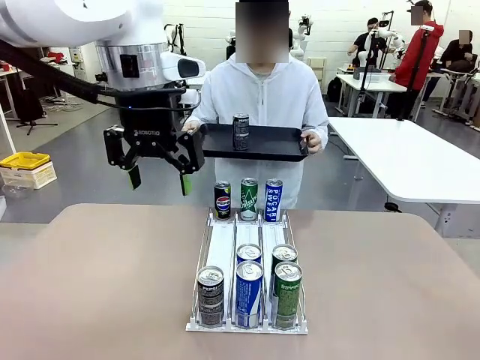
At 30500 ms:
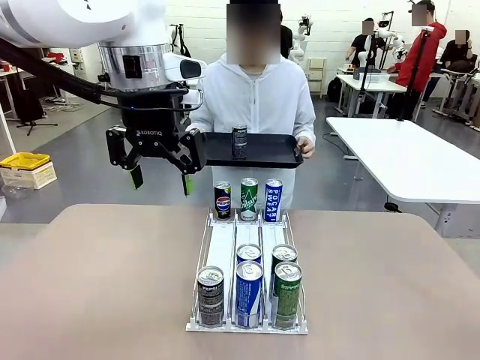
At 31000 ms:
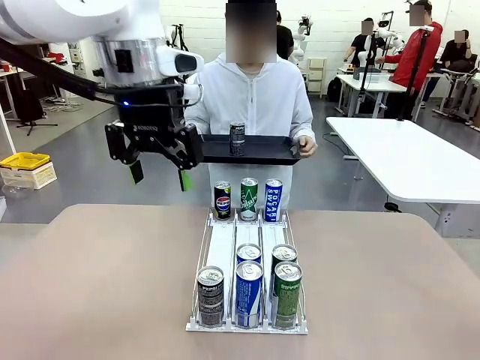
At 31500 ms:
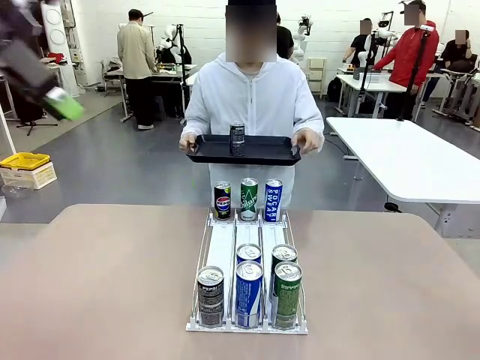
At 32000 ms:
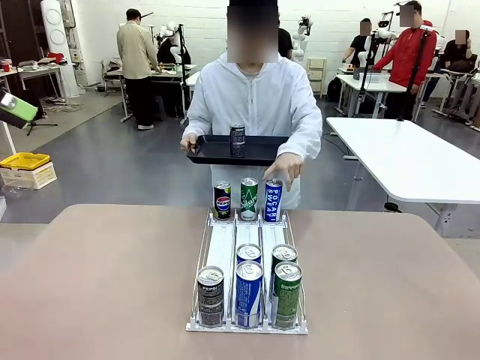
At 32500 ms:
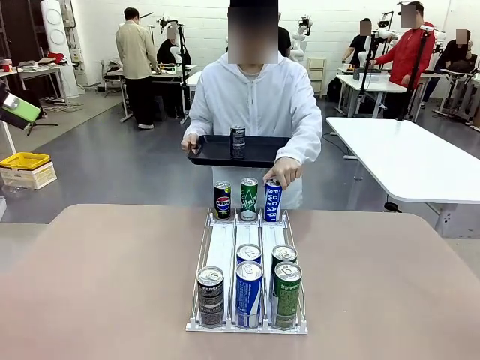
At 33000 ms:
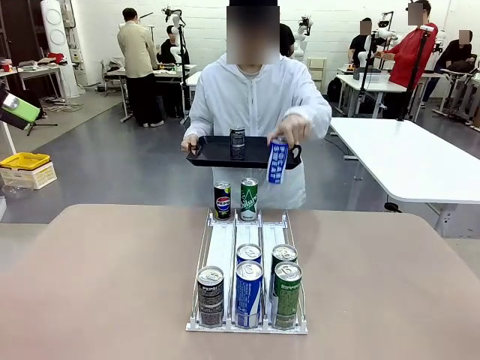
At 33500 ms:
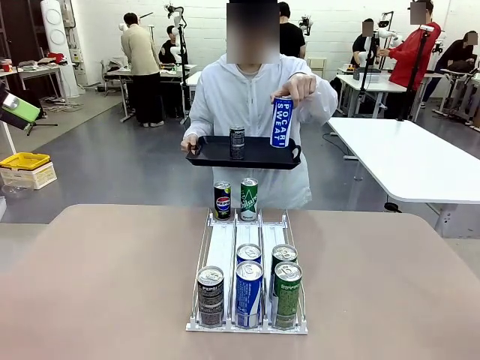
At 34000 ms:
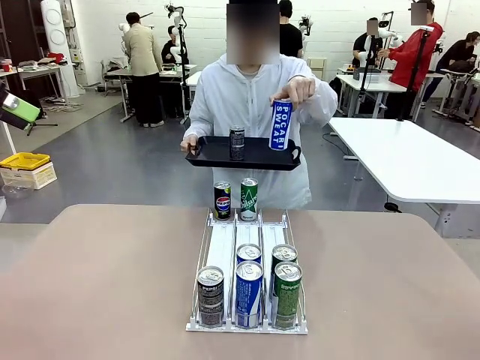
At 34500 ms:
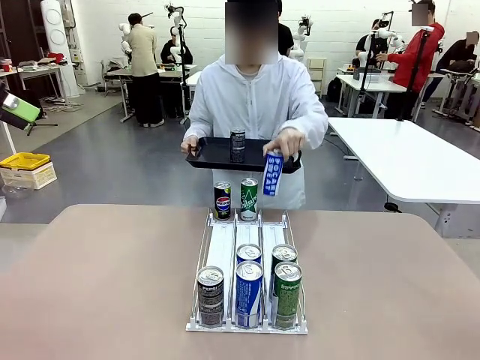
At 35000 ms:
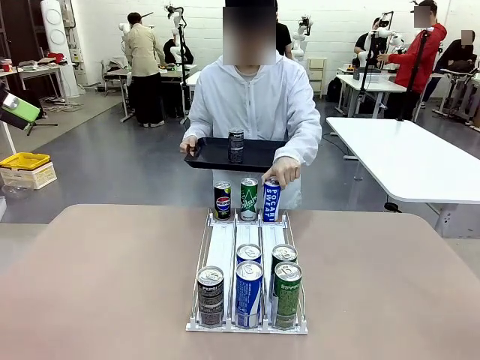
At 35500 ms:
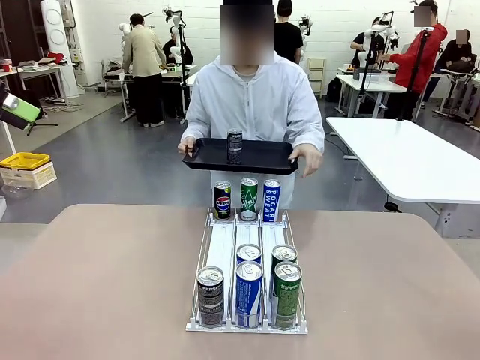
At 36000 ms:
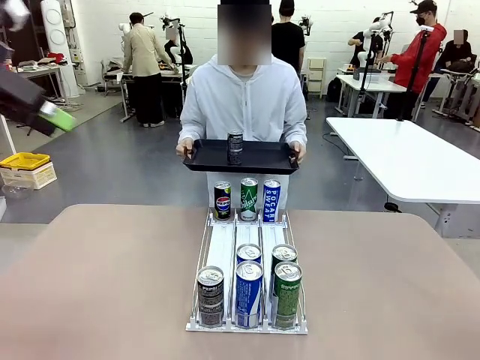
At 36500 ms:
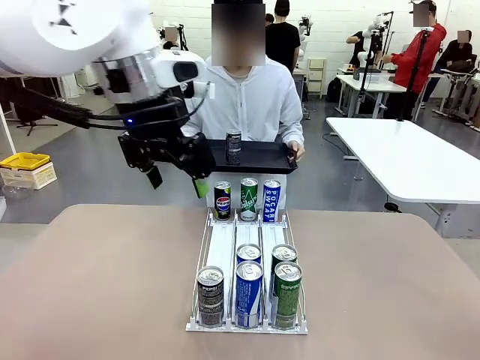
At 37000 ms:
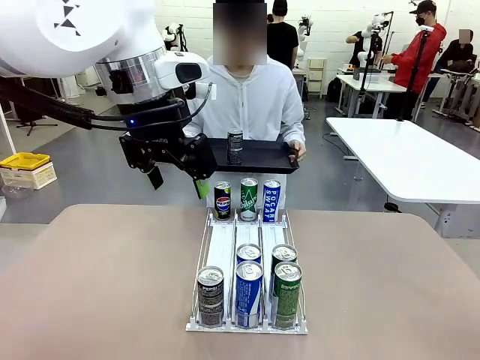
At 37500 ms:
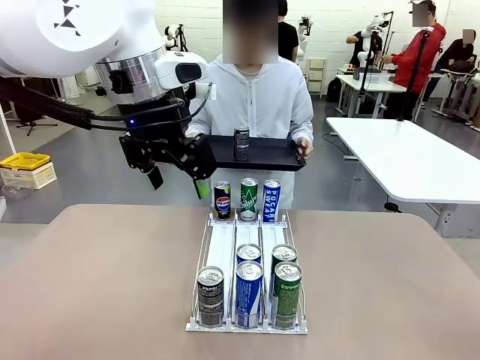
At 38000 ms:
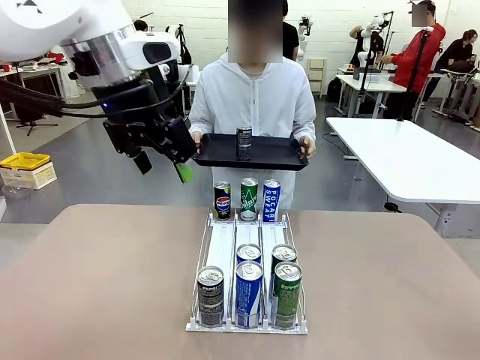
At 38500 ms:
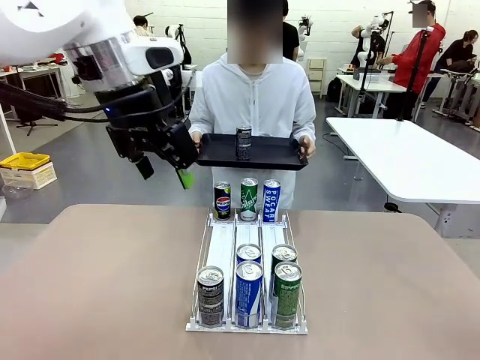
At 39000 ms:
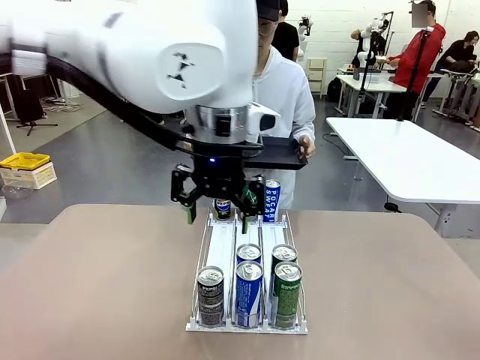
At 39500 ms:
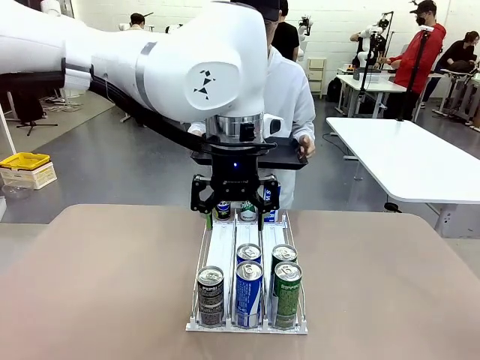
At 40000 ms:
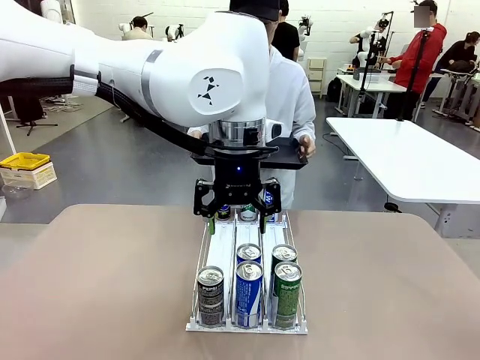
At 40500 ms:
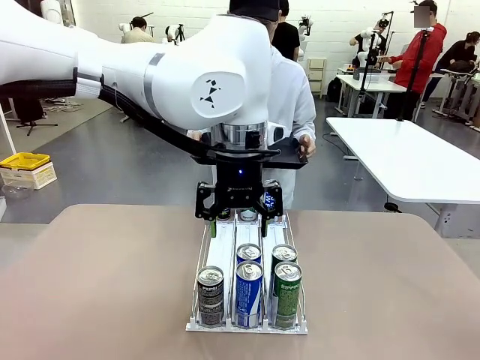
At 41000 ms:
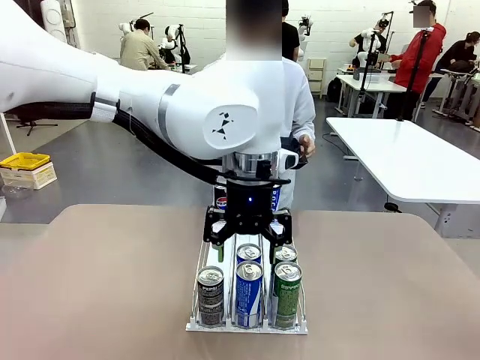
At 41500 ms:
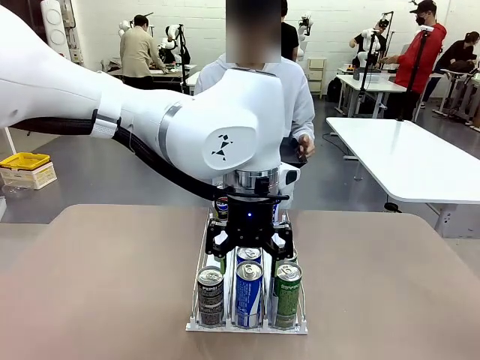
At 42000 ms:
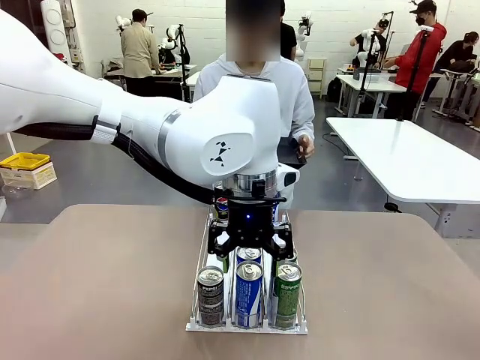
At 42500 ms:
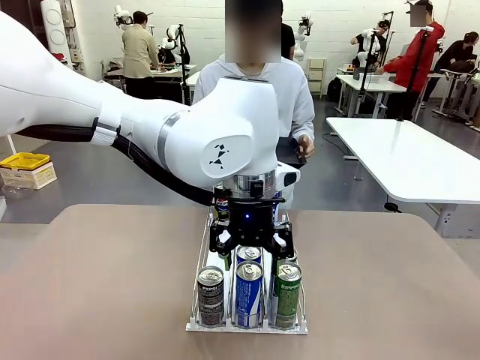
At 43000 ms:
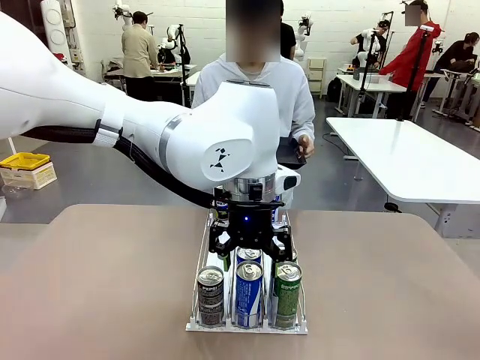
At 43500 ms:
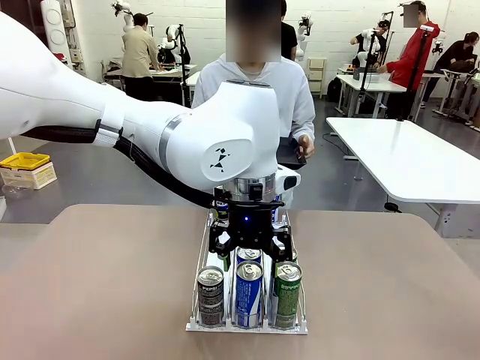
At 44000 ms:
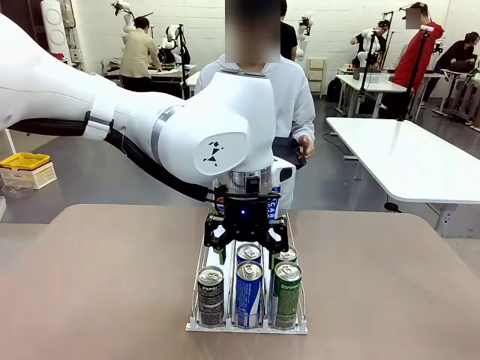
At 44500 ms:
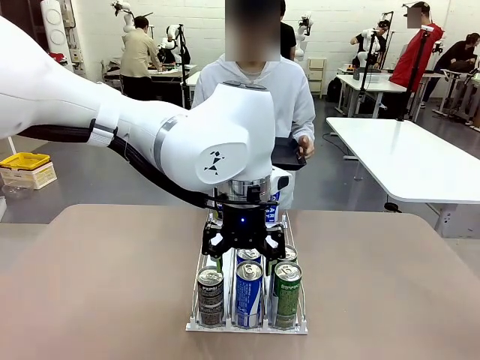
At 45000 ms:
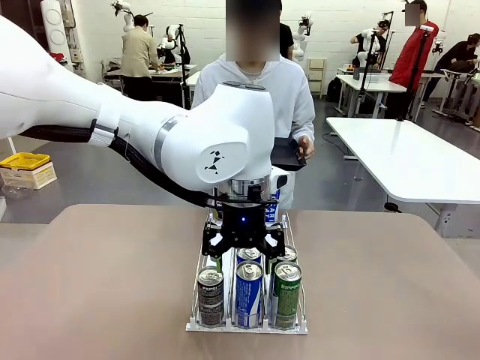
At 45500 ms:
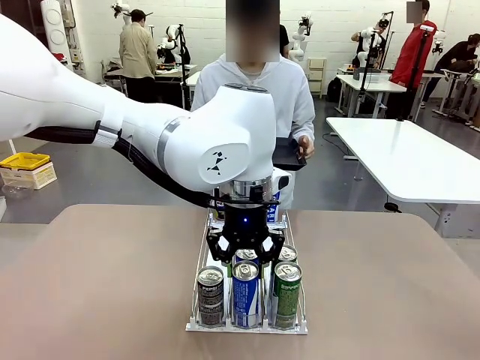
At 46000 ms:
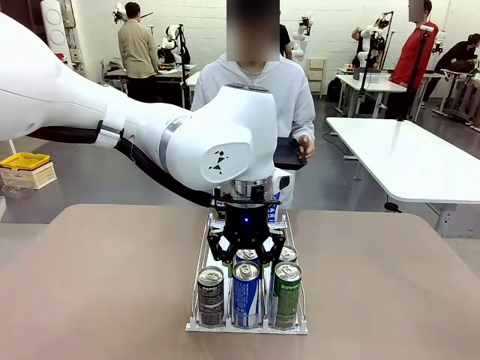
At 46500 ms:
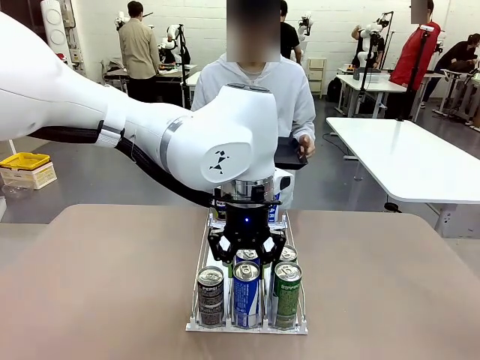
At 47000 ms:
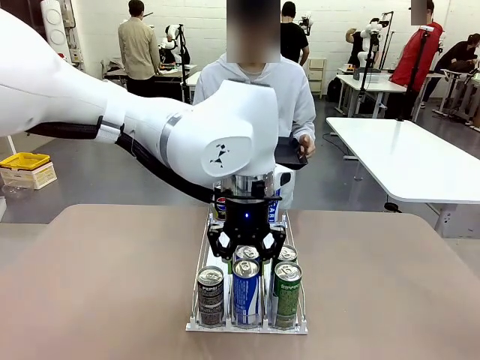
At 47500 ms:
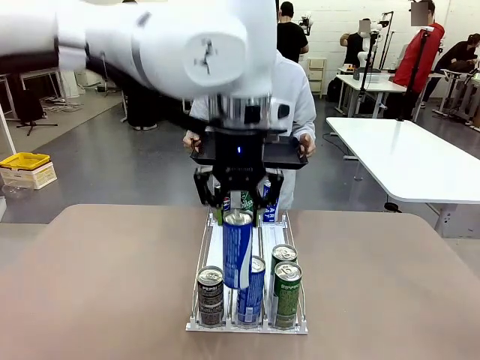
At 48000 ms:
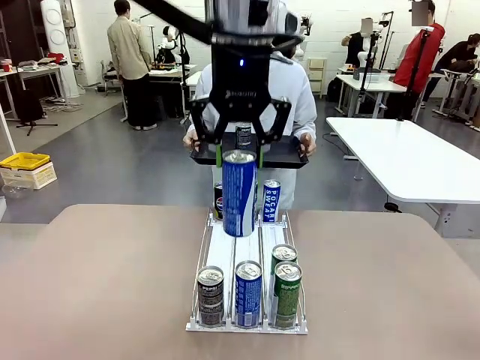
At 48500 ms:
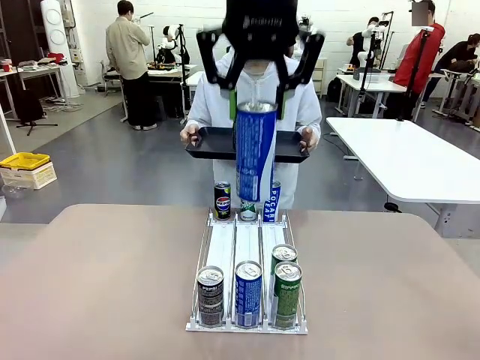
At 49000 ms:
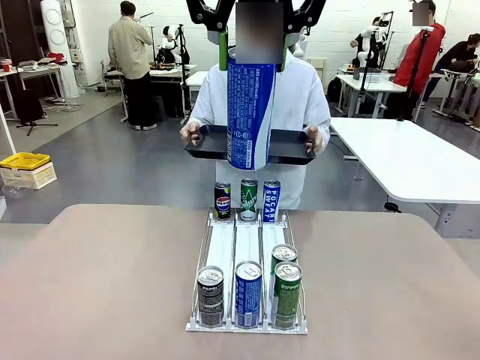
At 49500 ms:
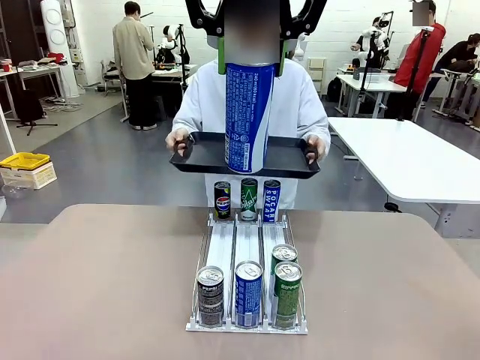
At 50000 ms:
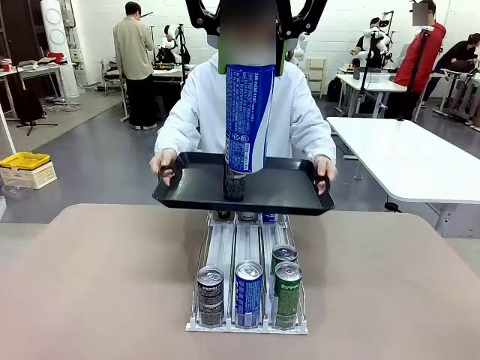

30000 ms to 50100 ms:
Task: Retrieve and hand over the desired beverage to the person.
Robot: Pick up another can of the same type that the person held from the Automatic Can Dispenser.
Person: Pull the tray back, then pick up another can from the bottom area of the table and puts it back in its original place. Push the tray toward the robot again.
